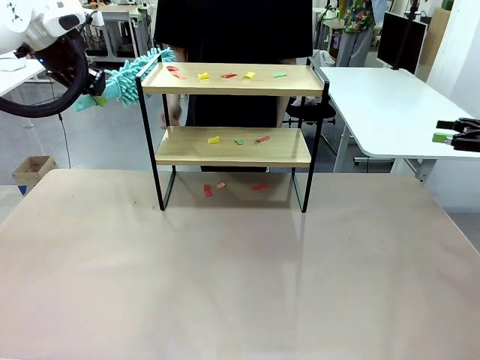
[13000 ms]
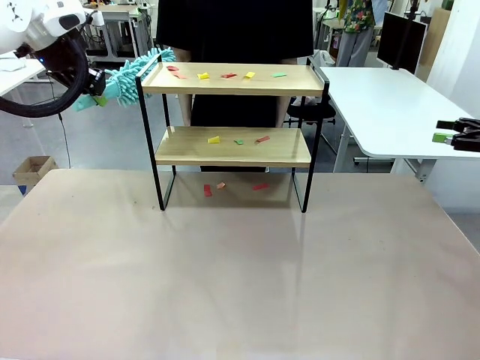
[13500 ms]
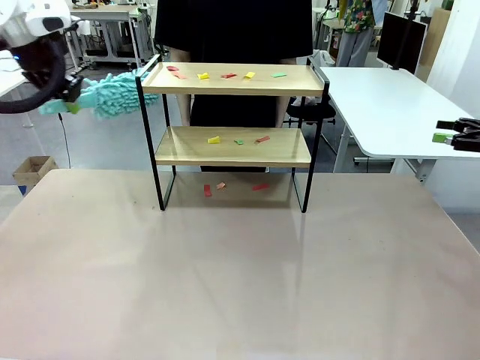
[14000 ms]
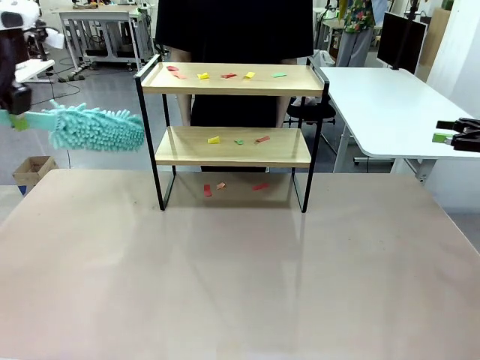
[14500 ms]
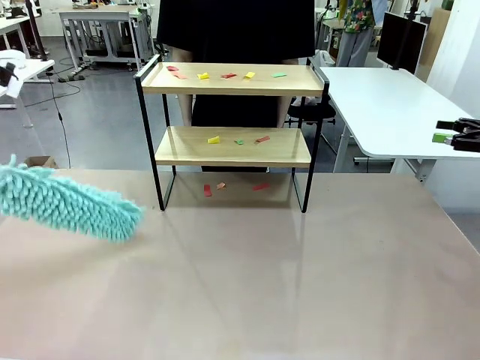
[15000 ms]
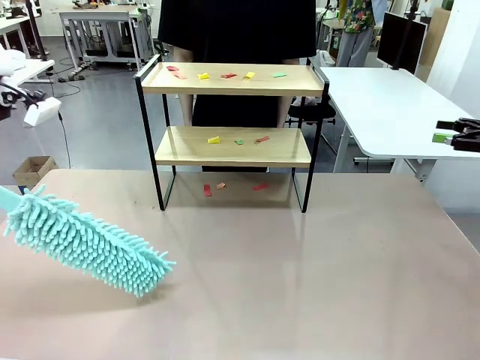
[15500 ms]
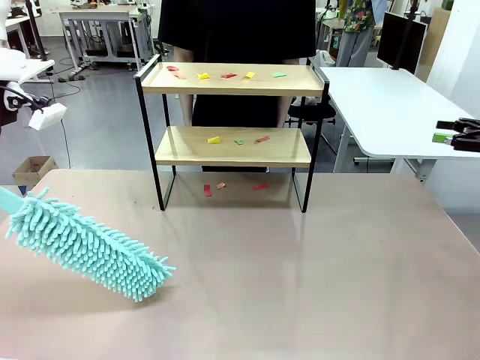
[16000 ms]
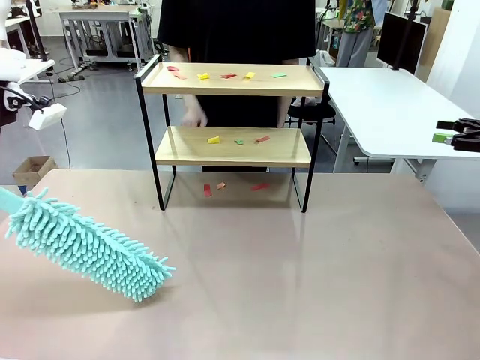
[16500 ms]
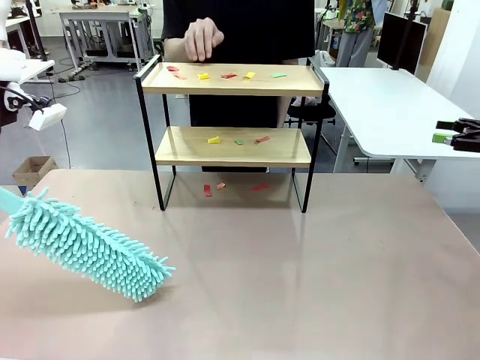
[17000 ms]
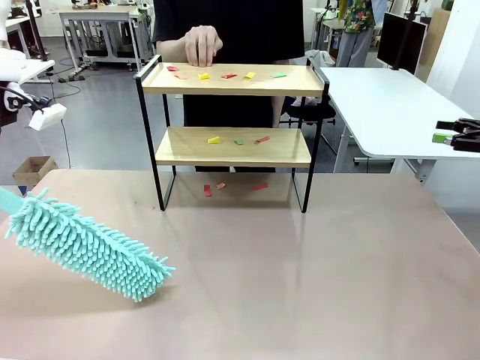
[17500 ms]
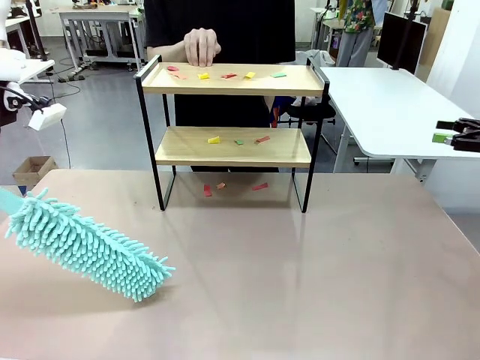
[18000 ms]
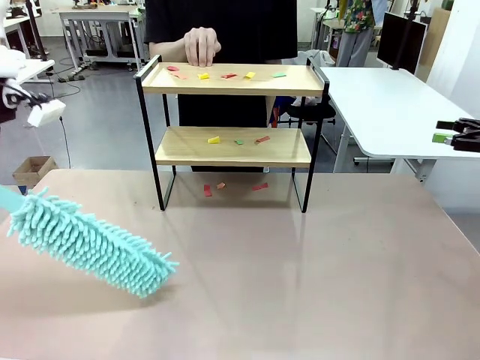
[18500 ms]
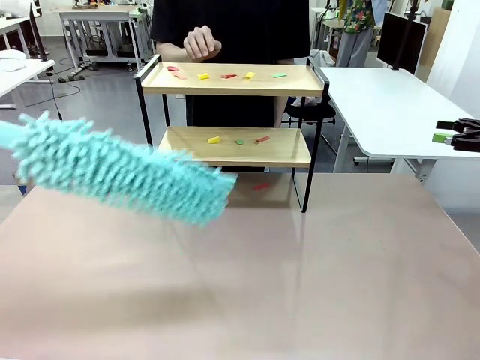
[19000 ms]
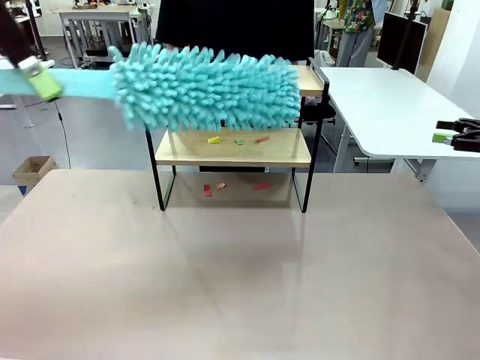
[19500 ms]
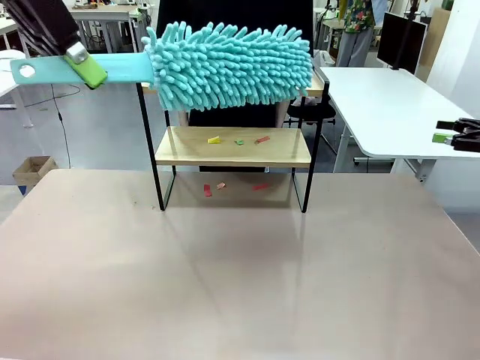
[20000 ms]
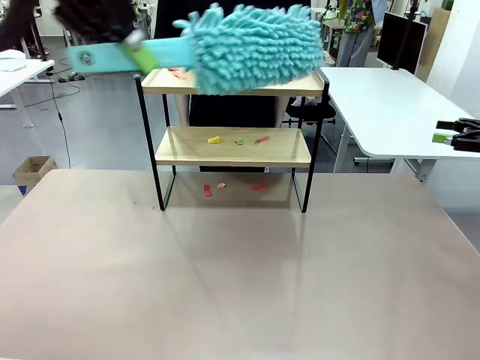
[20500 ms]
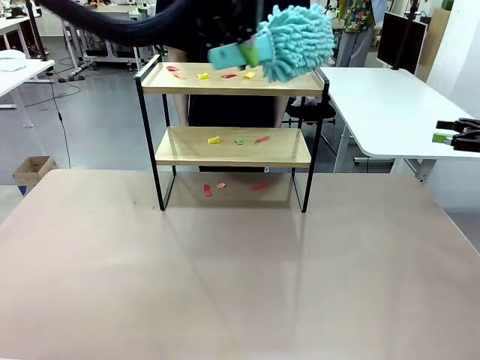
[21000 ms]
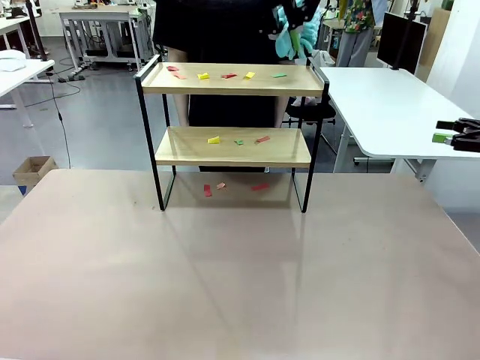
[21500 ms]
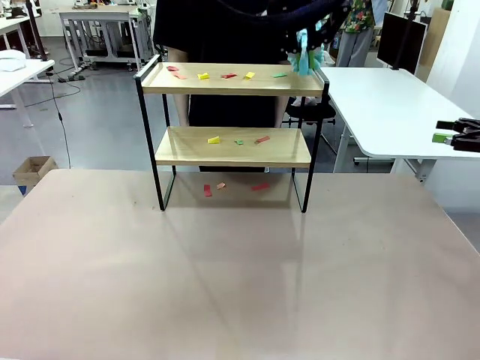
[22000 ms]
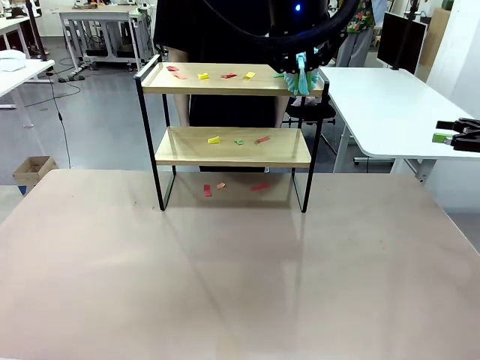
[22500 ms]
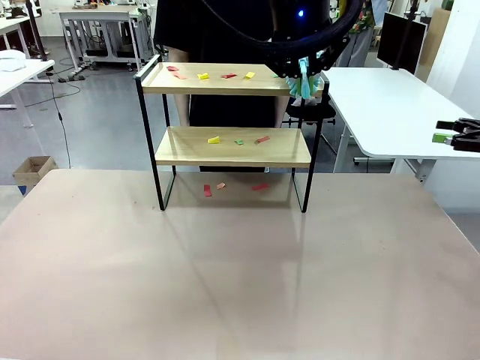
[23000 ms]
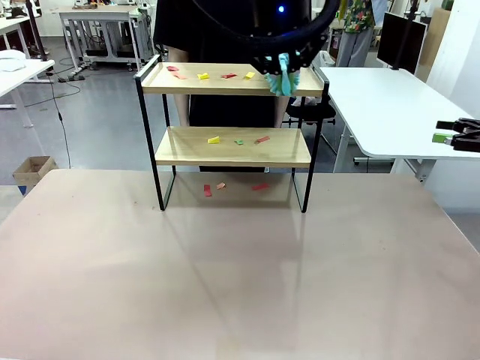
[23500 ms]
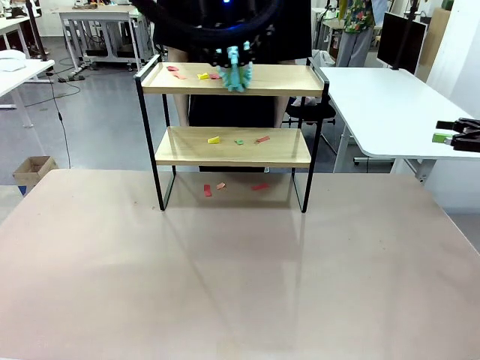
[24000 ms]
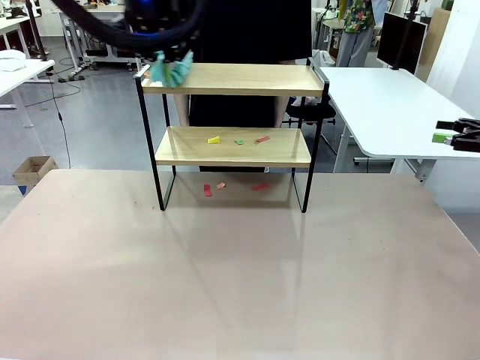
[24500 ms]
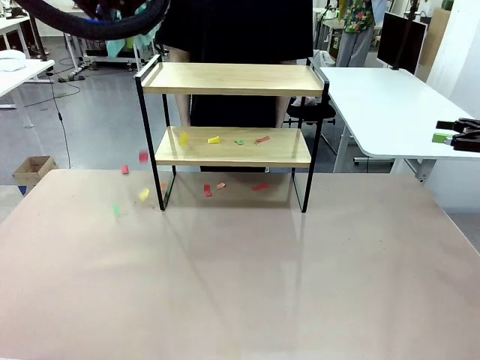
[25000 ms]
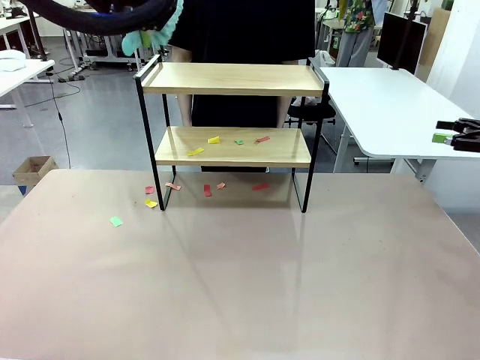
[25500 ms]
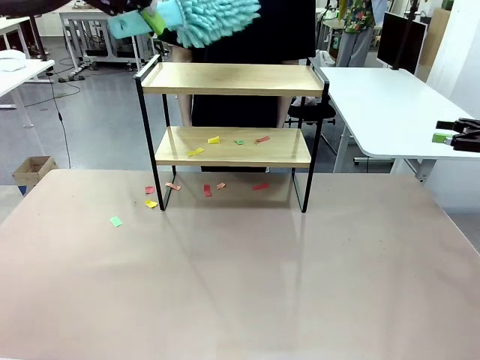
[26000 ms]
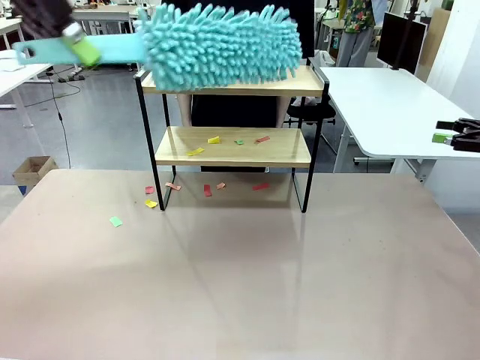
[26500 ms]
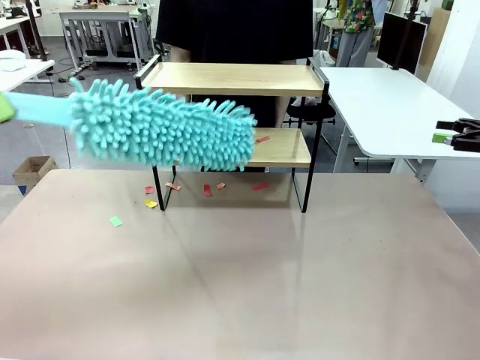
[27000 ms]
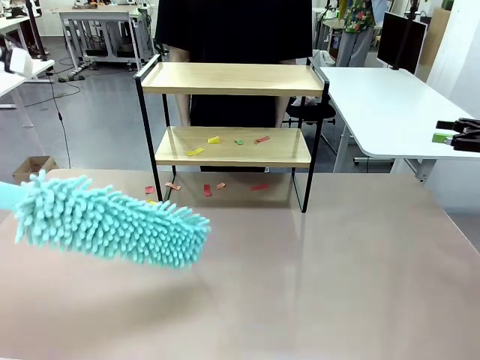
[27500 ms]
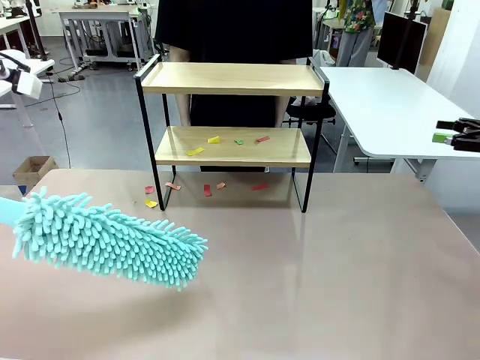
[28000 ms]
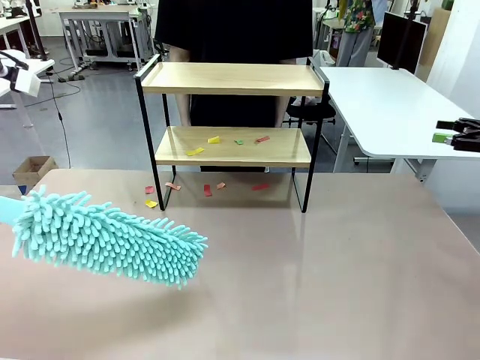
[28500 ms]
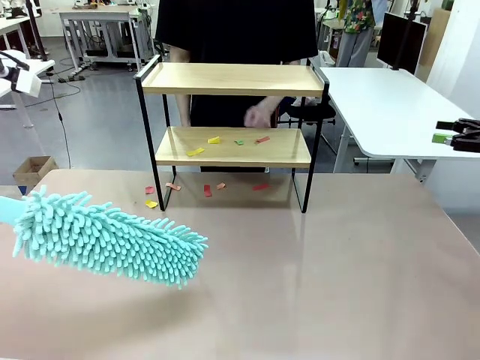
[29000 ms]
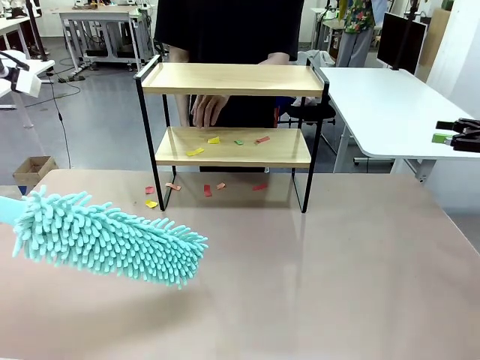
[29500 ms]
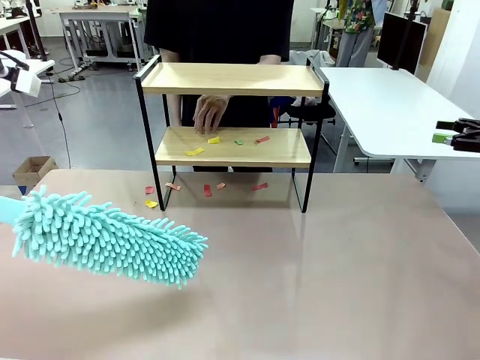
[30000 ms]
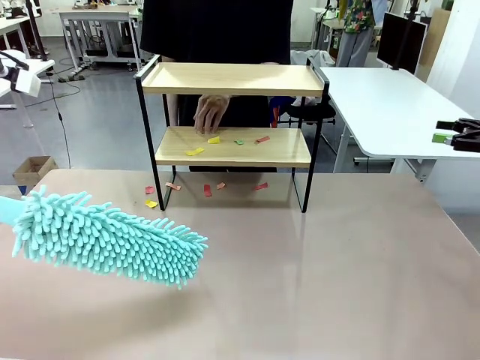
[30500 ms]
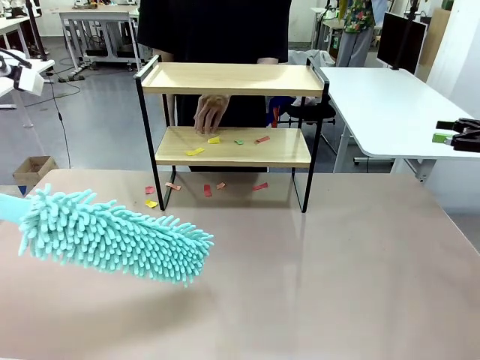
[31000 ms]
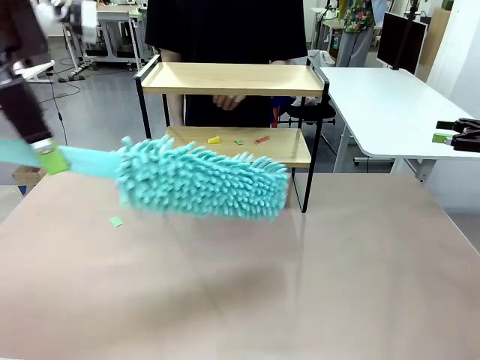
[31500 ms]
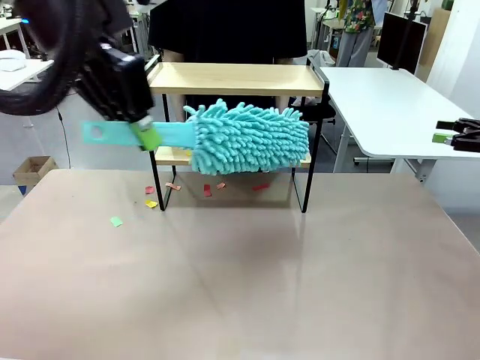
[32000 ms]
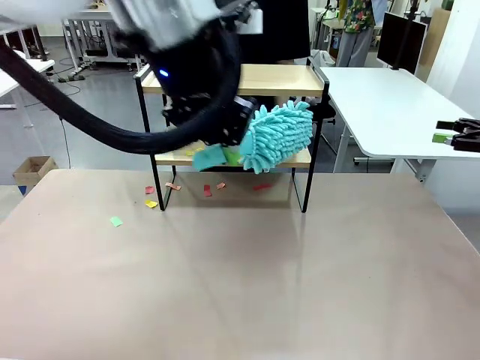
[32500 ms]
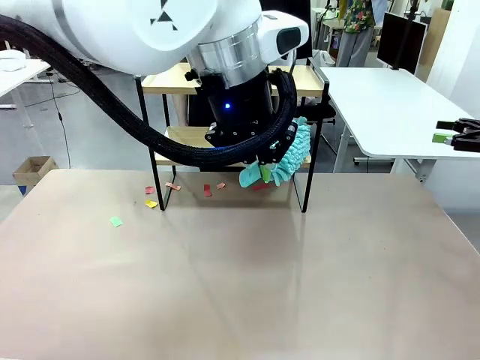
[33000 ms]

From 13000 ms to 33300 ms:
Task: Clean the shelf.
Robot: Clean the specific section of the Shelf indicated by the human with the Duster.
Person: Point a random section of the Shelf.
